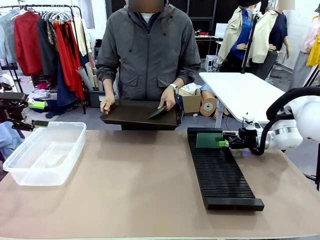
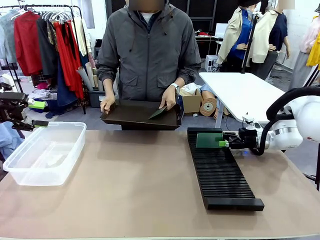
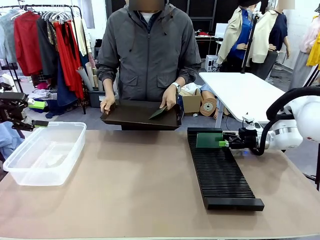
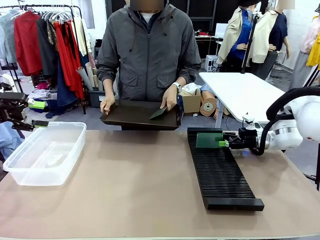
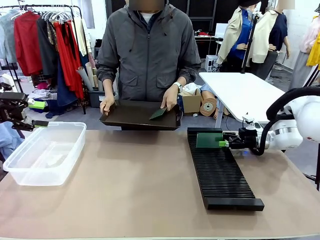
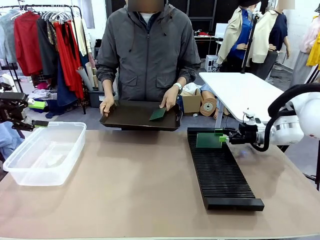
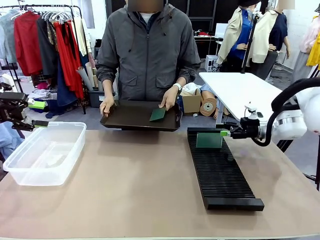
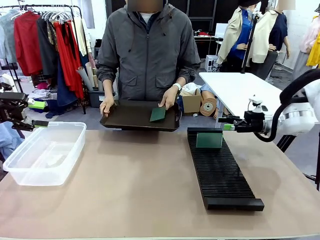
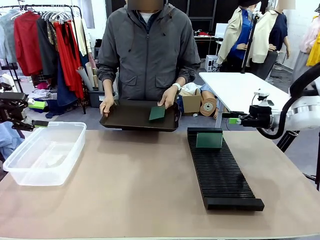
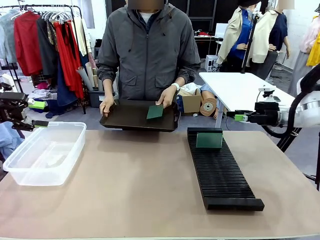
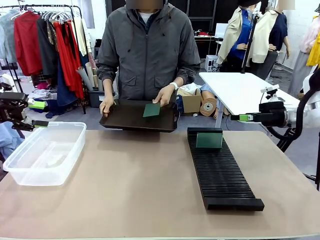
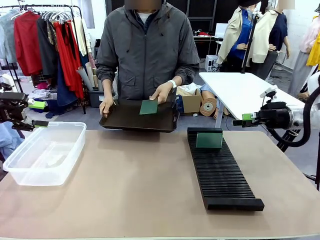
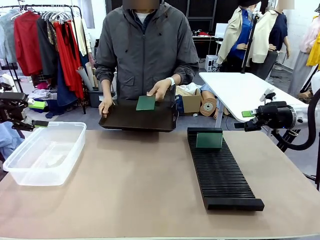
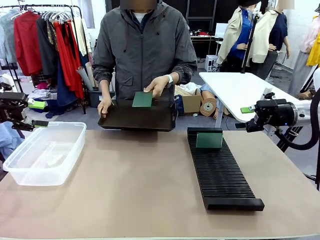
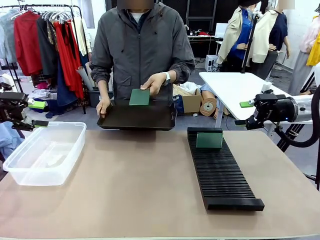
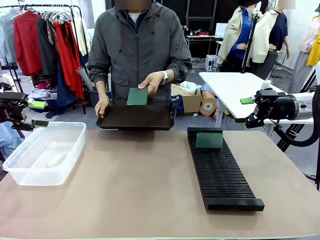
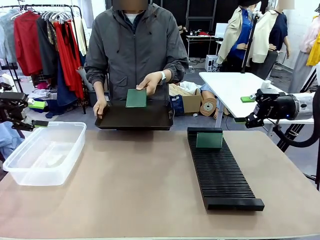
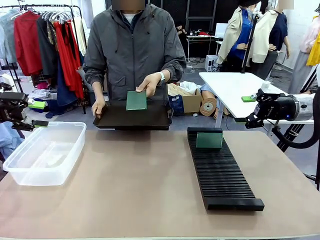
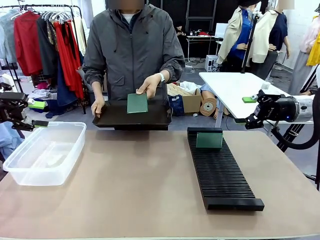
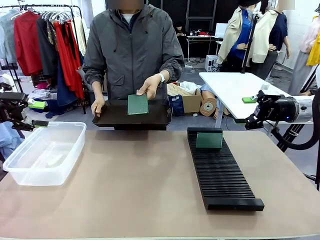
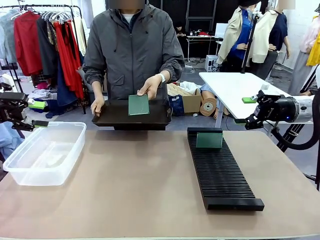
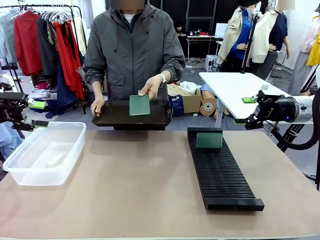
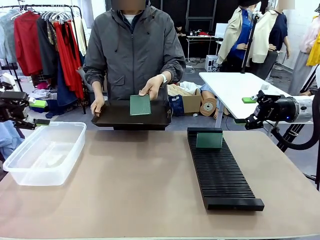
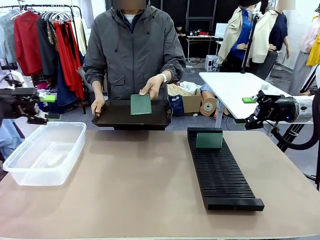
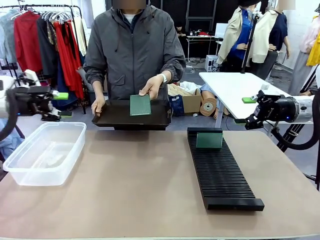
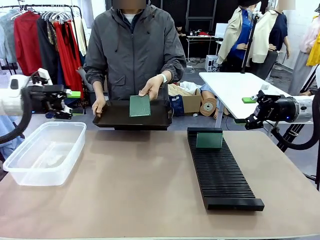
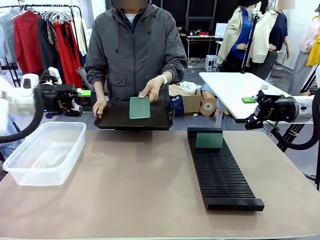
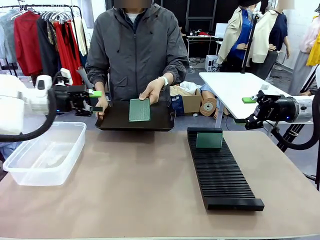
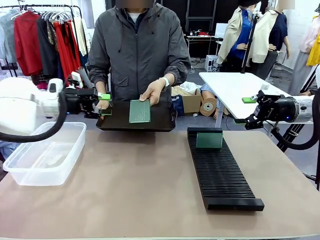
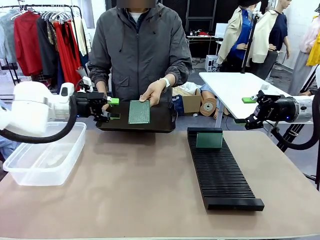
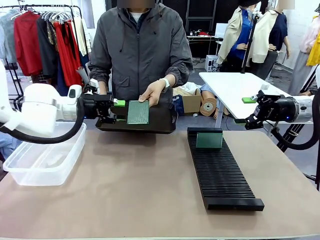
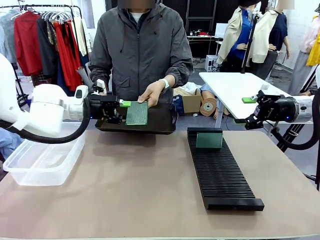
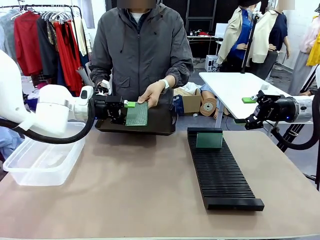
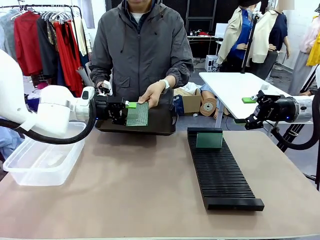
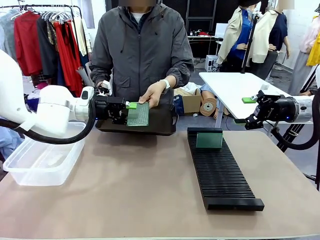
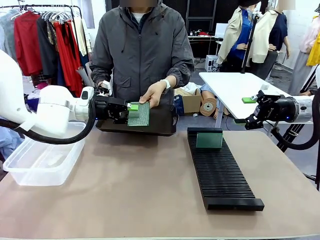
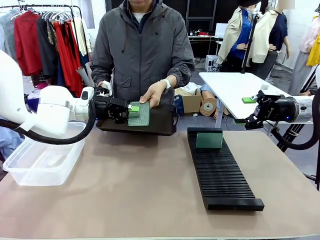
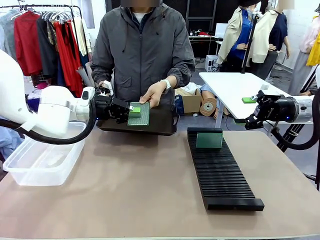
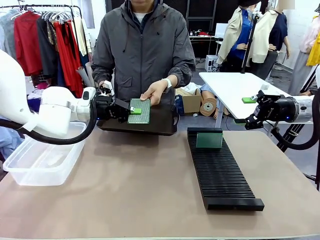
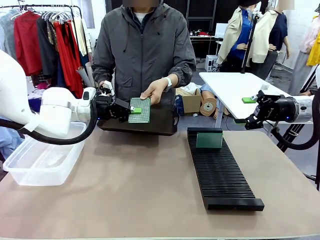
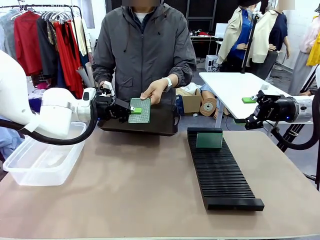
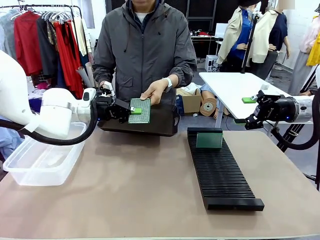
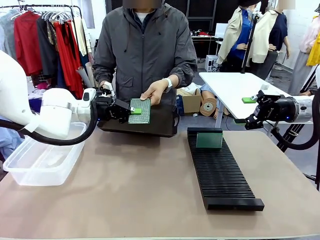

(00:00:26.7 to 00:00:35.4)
Task: Sort PCBs into racks and boxes based on the side picked up.
Robot: Pick up the Blank PCB handed by the Human.

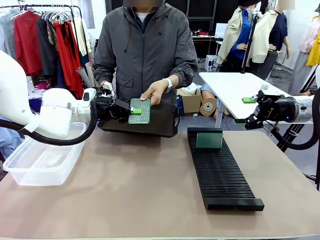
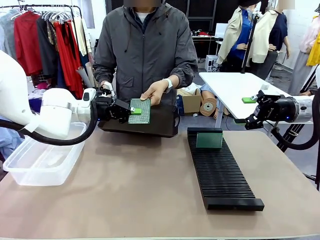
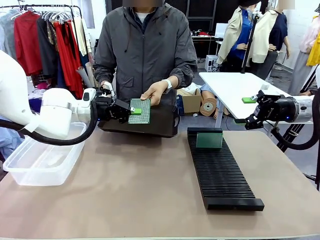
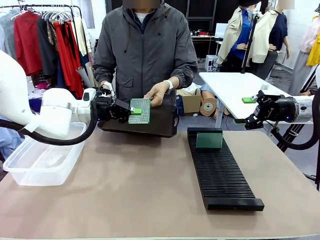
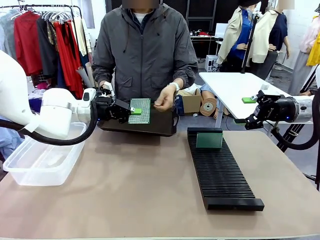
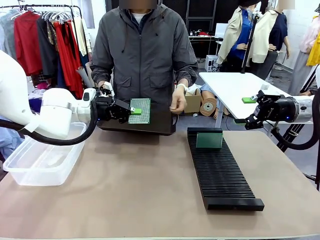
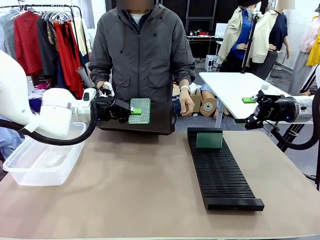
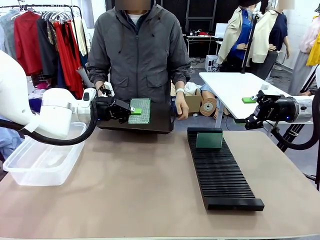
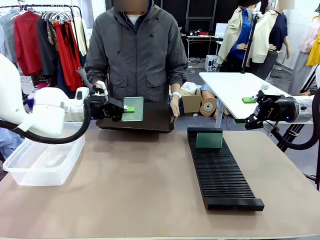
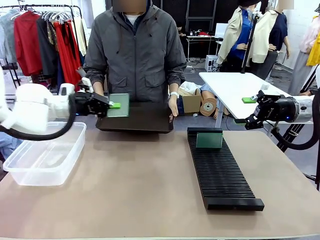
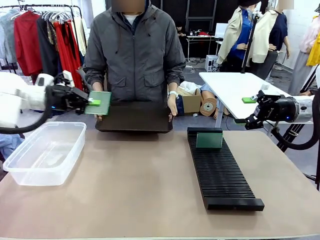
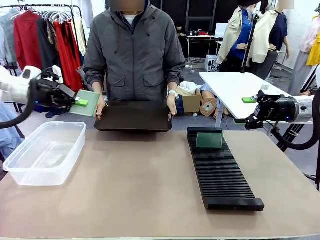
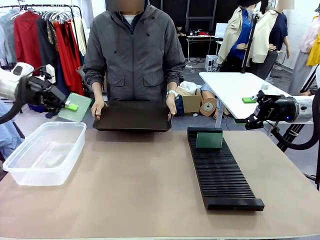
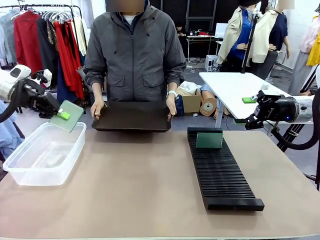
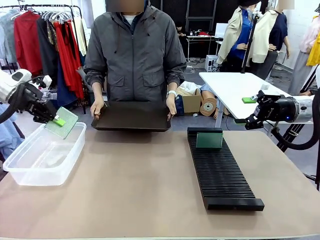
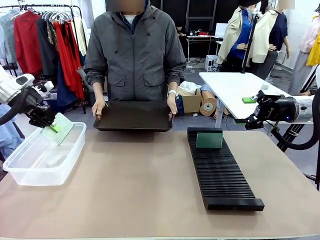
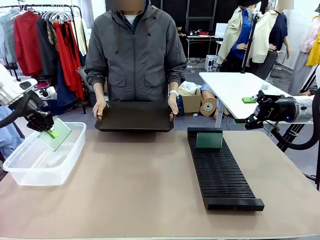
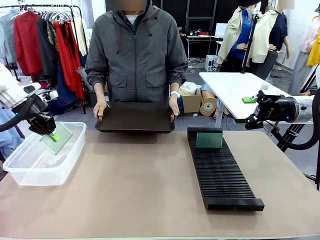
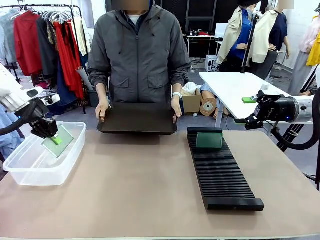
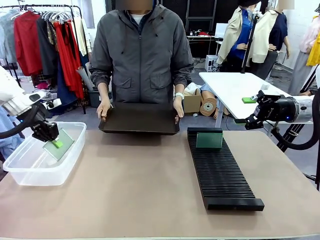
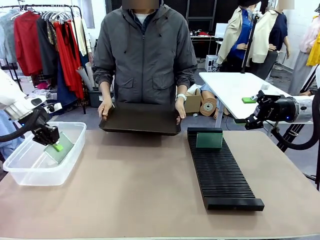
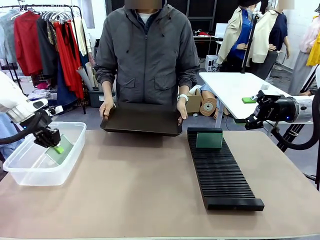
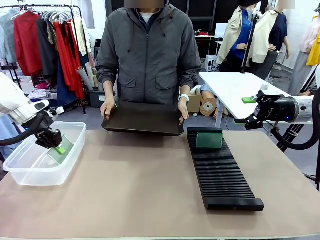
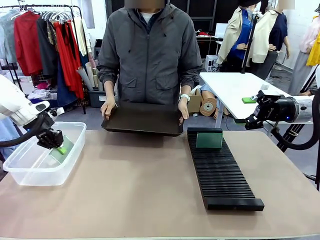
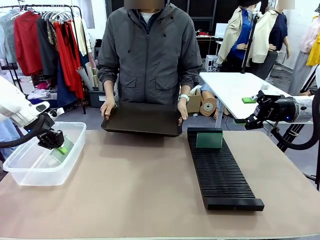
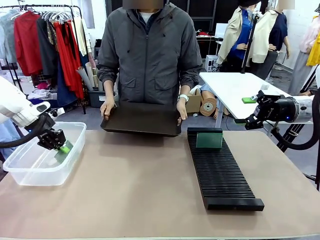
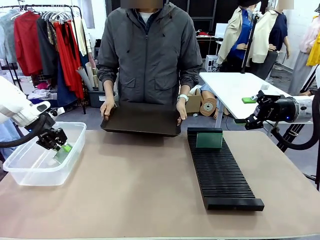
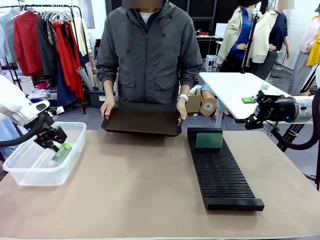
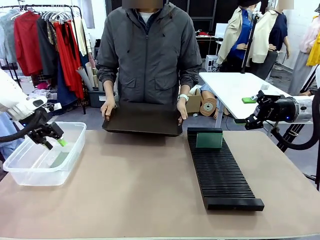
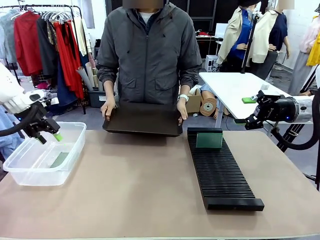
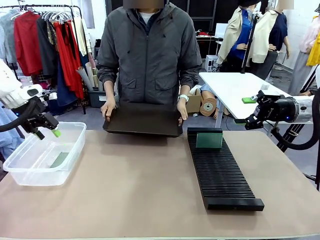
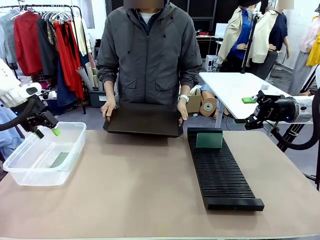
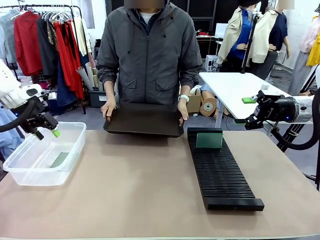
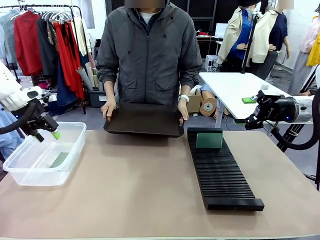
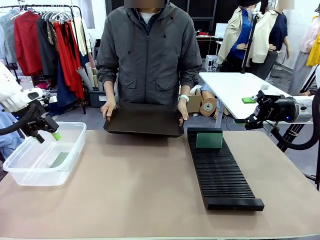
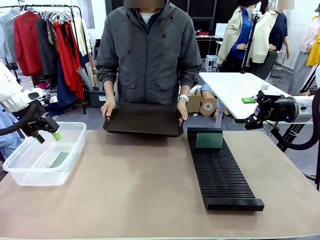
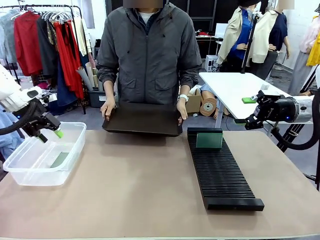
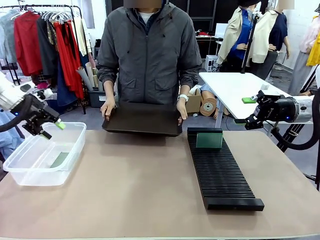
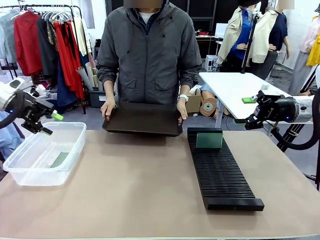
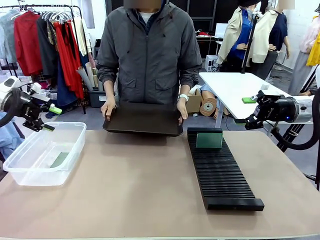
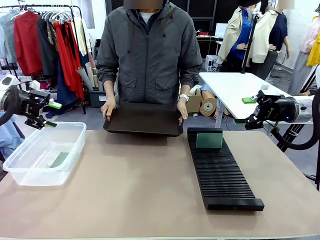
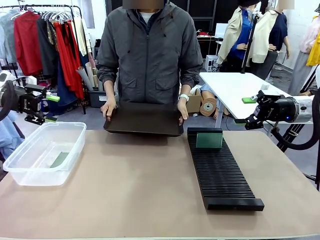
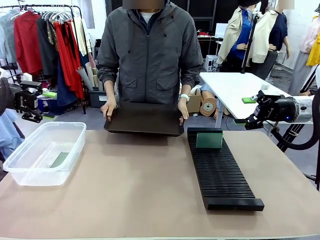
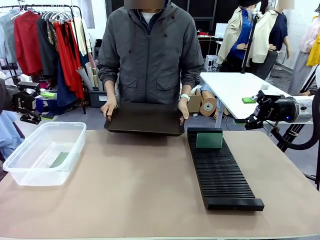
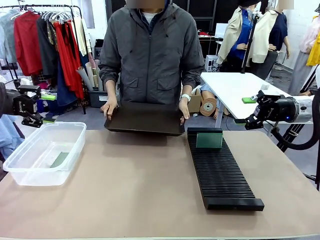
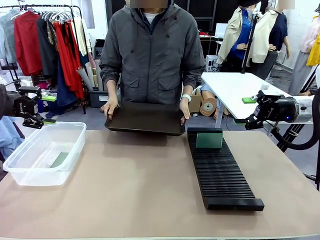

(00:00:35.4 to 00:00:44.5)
Robot: If the short side of the Blank PCB is picked up, insert it into the PCB Rack ; if the long side is picked up, place it in the Organizing box.
Person: Release the PCB being held.
